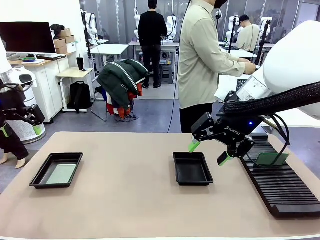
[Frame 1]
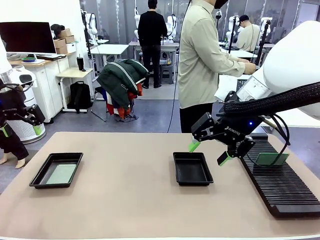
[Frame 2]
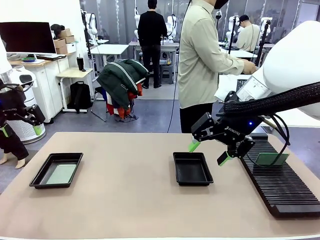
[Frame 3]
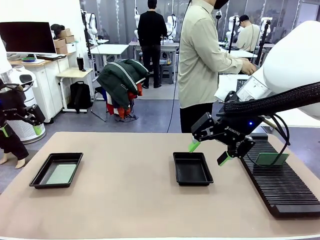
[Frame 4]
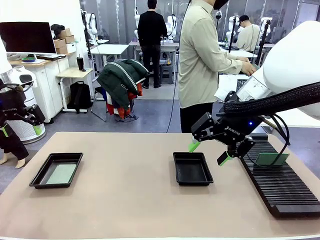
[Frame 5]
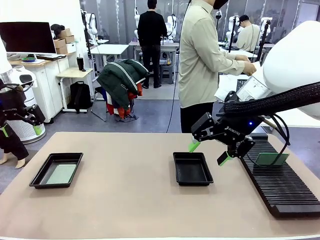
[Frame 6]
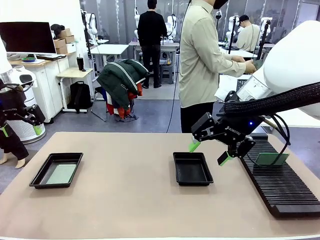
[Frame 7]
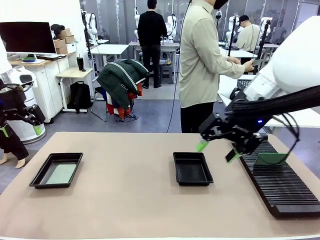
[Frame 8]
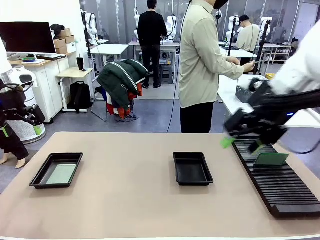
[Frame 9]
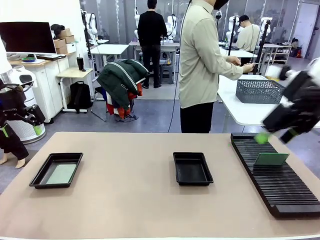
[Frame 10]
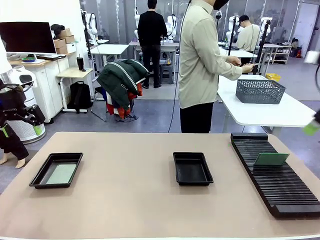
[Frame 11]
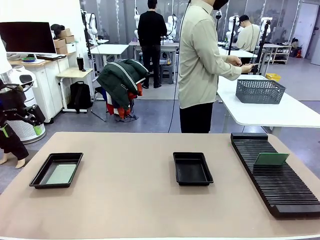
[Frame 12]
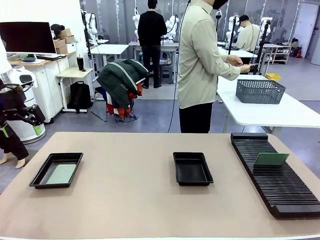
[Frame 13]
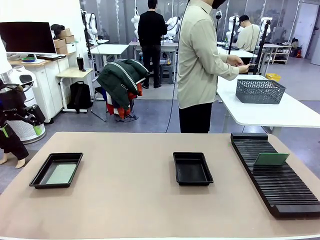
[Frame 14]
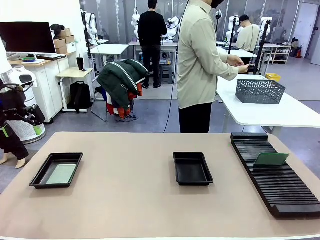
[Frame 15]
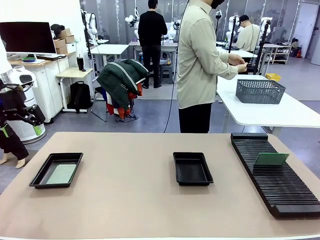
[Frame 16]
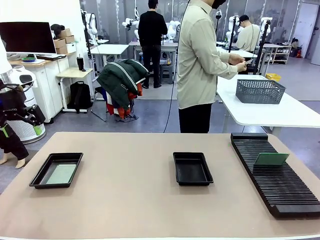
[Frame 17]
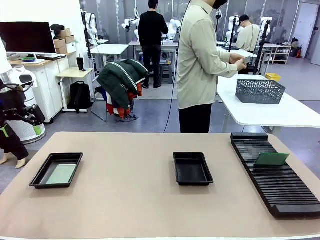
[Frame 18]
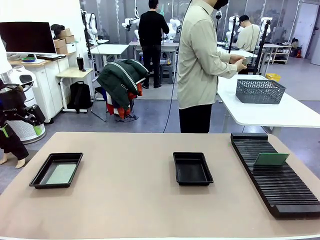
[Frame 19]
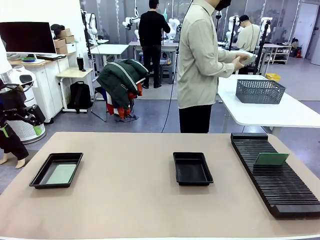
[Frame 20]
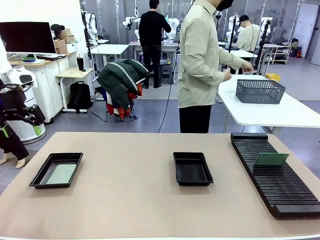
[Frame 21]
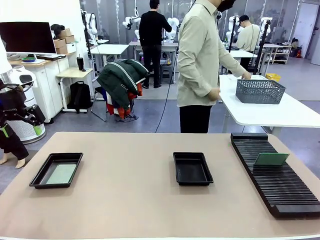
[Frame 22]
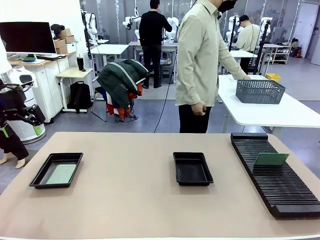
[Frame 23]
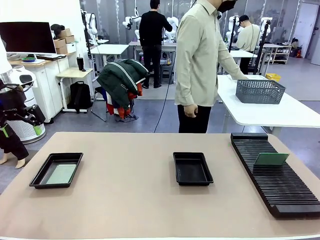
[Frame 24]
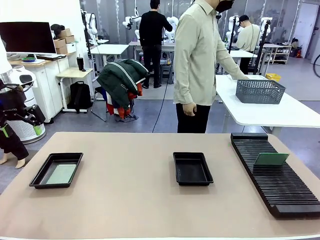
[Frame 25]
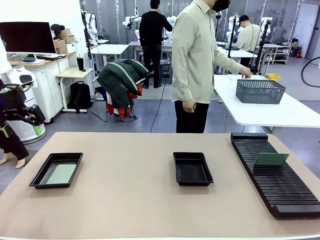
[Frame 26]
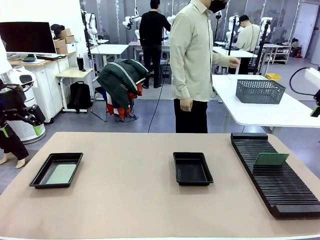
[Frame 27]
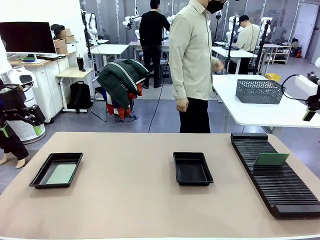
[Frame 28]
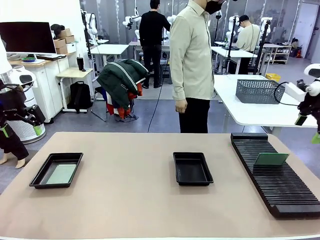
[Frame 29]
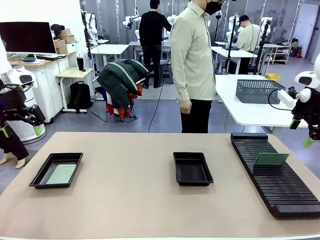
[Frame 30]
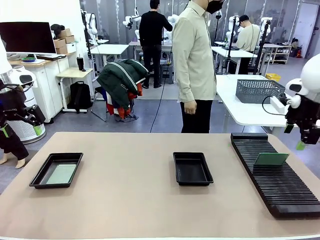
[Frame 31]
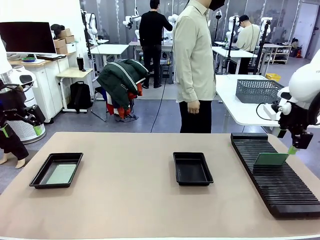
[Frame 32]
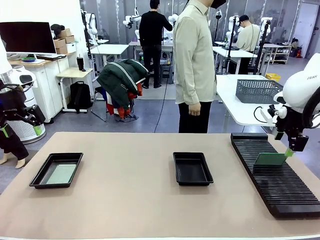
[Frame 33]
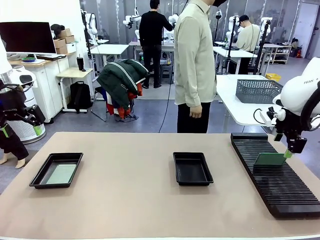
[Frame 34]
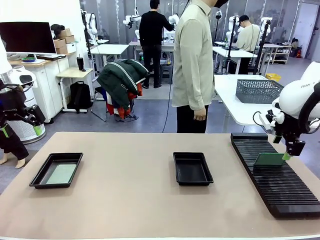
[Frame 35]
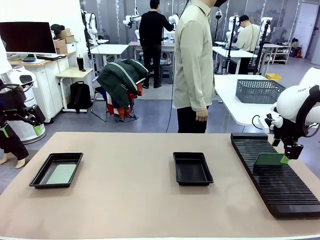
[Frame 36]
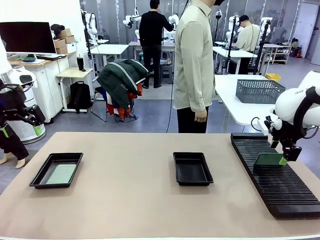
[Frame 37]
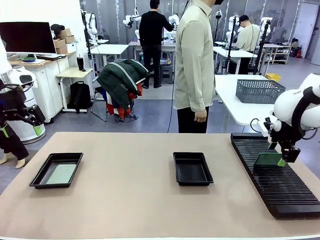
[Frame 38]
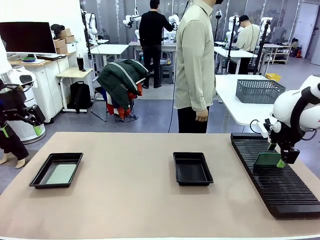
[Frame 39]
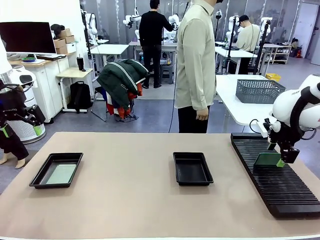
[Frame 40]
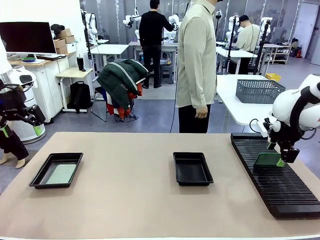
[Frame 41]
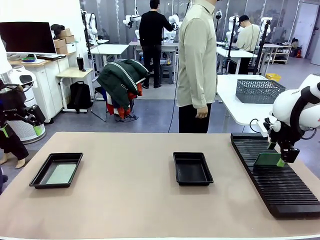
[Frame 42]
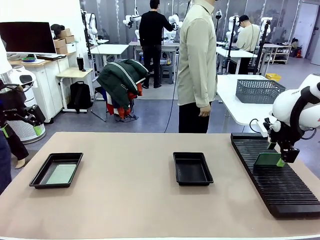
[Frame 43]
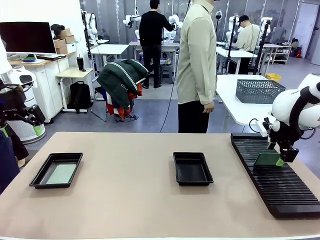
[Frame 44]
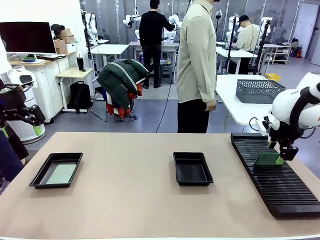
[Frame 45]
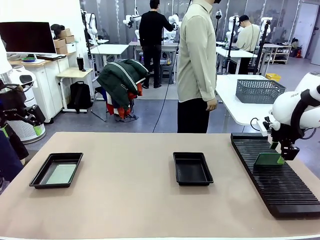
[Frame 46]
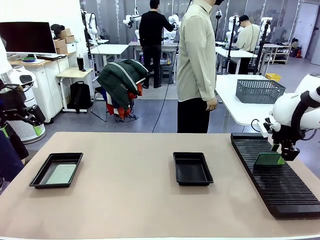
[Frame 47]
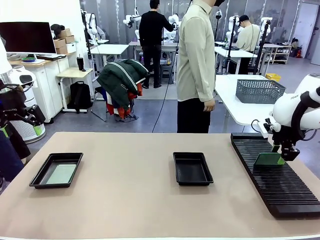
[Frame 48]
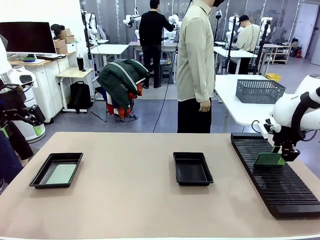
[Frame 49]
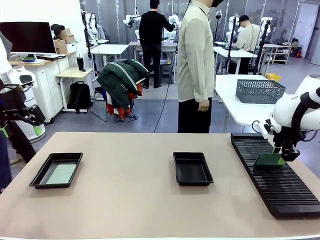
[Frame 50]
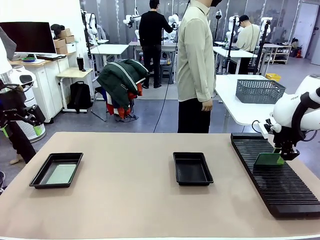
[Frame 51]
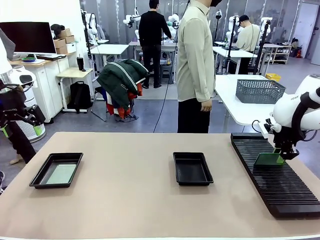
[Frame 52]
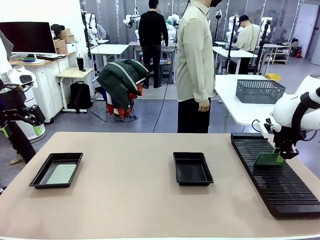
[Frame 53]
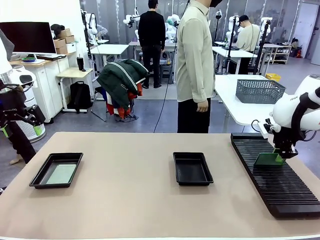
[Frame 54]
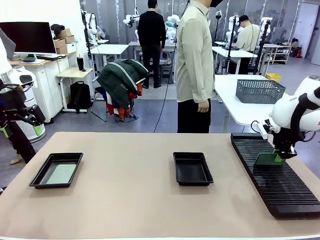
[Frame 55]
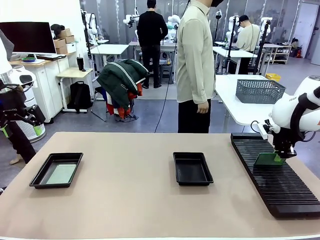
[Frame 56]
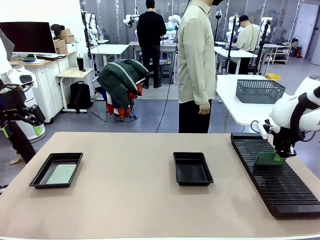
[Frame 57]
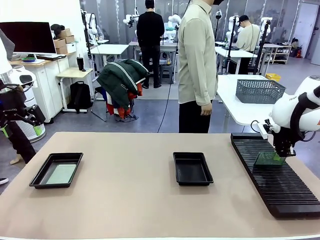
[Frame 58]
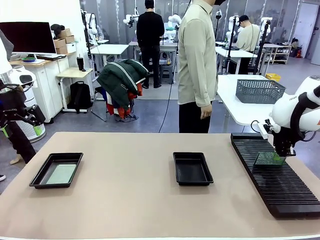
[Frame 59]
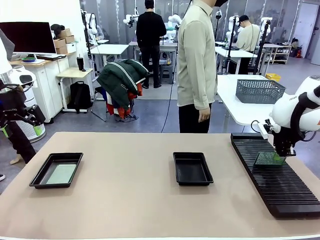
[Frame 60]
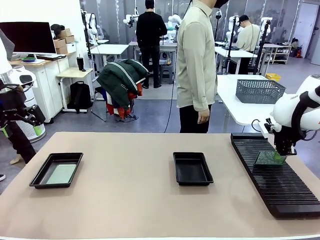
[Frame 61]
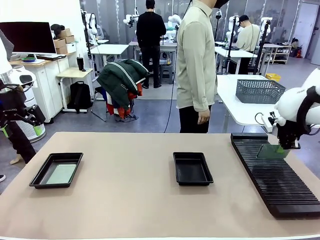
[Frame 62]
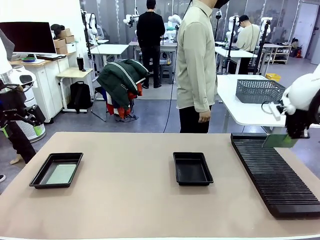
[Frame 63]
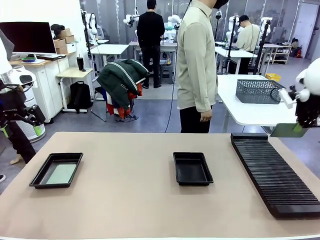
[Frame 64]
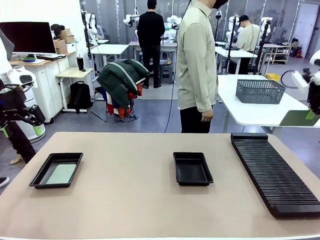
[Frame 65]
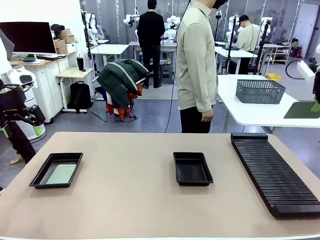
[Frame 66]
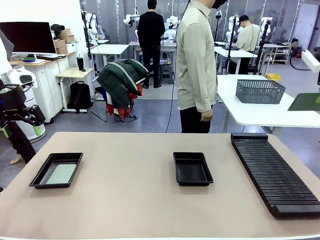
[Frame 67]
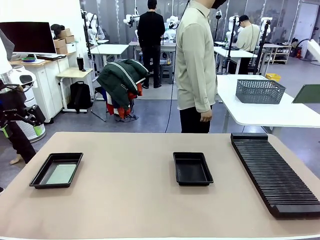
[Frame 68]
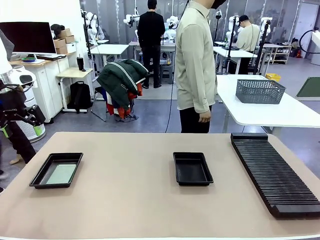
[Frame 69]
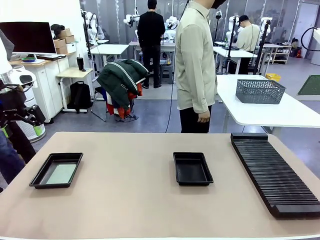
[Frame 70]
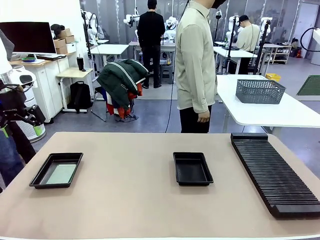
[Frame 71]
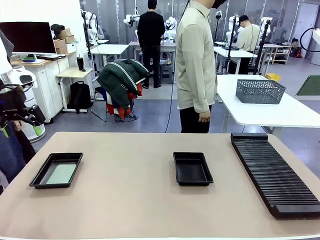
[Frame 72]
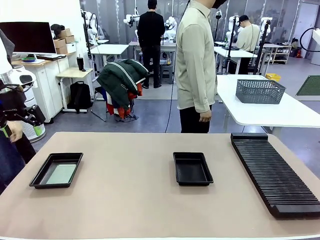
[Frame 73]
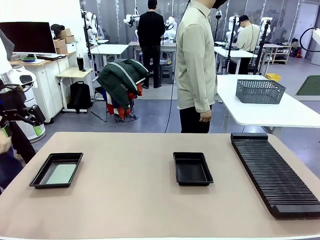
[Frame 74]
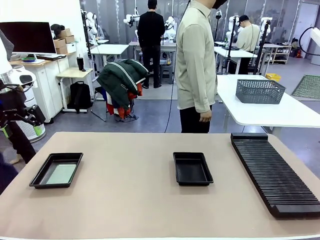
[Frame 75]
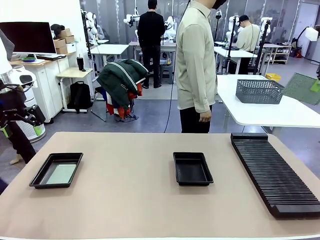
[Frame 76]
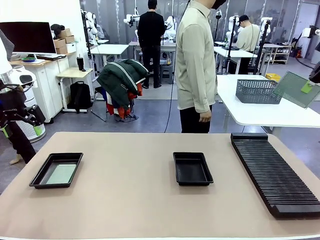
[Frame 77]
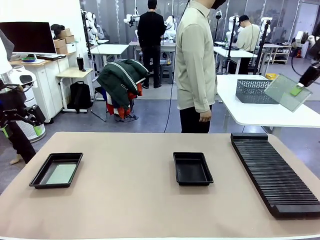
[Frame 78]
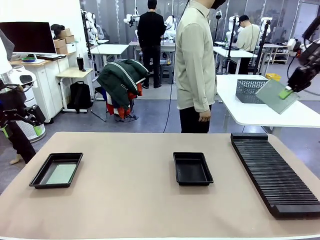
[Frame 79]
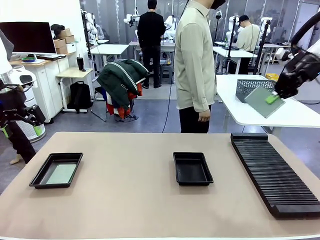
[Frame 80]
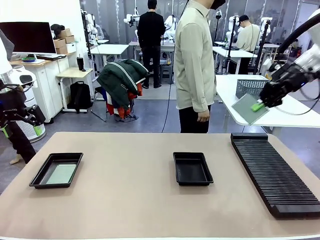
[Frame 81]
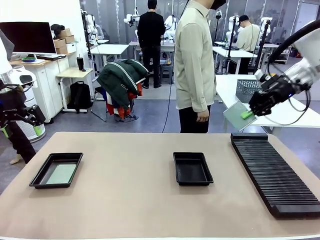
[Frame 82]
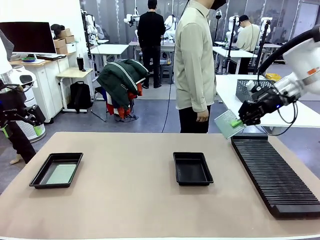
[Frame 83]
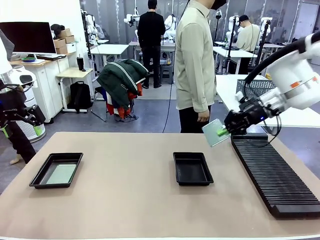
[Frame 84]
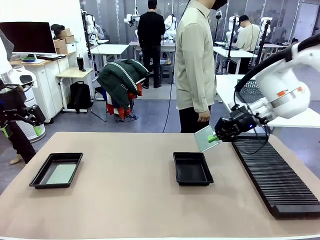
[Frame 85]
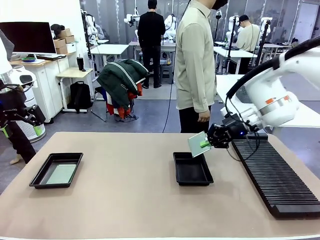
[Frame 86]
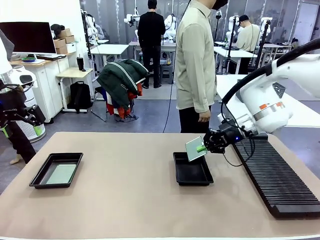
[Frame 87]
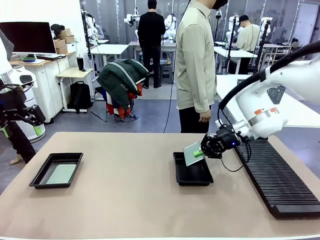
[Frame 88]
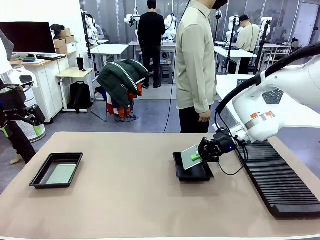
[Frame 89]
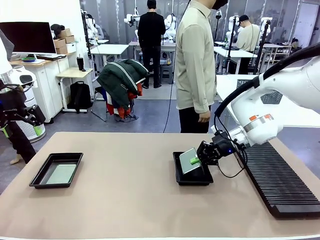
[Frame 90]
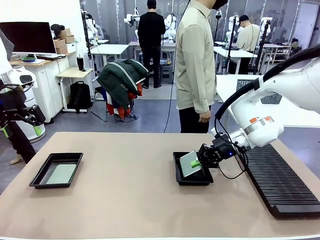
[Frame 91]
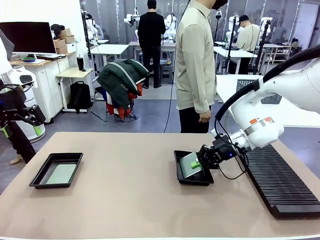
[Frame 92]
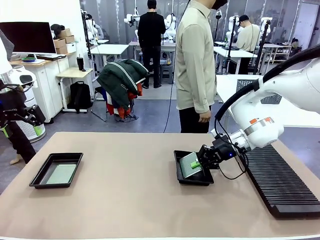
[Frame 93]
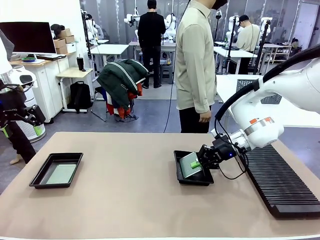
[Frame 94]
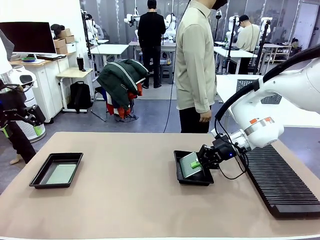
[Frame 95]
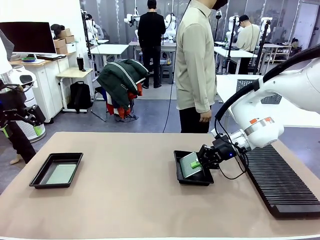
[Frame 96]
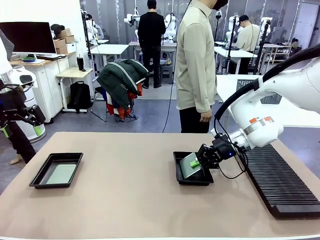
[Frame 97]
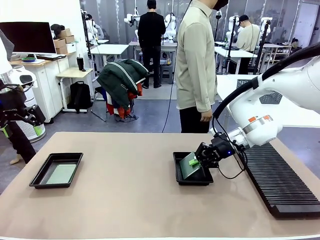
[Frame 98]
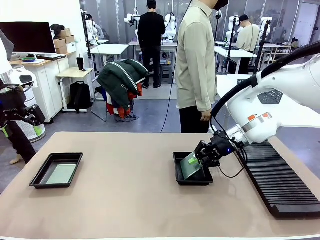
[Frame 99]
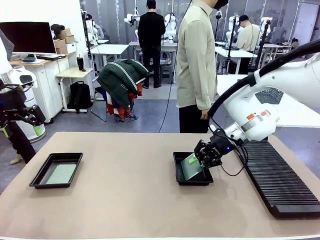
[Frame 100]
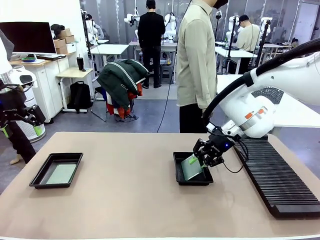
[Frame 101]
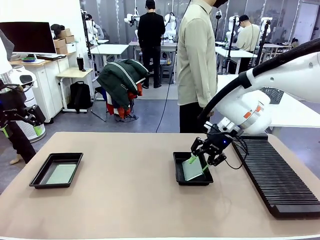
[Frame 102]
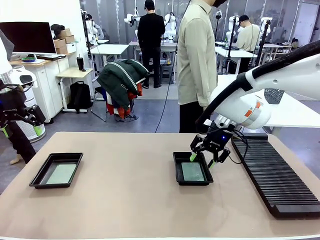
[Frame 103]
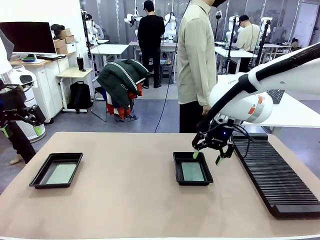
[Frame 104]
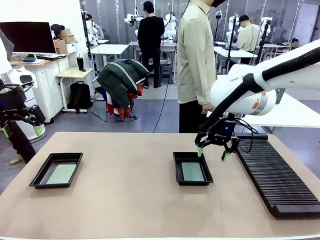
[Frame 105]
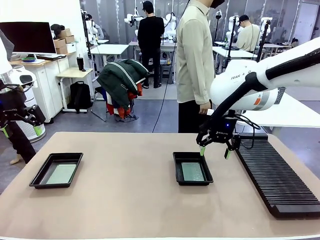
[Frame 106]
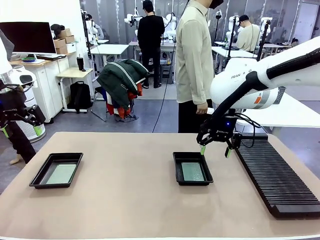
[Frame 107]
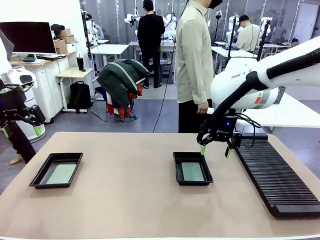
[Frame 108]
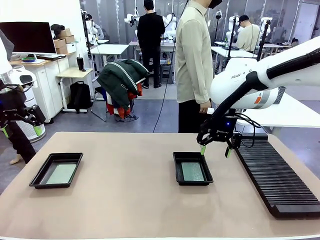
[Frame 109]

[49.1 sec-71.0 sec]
Task: Inspect and transfer BCBs to ESD trays.
Robot: Pick up the Blank PCB from the PCB Rack and place it in the right ESD tray.
